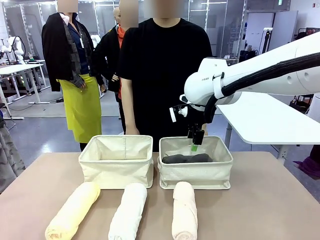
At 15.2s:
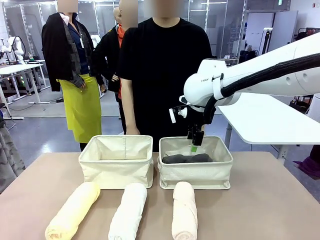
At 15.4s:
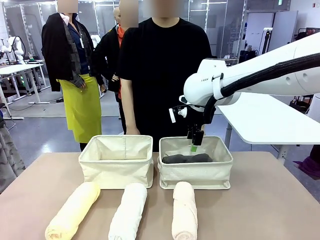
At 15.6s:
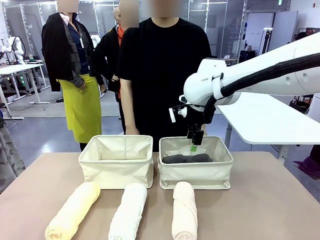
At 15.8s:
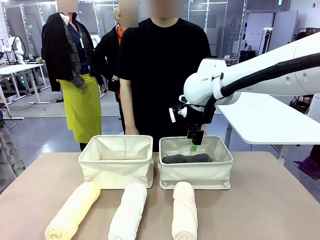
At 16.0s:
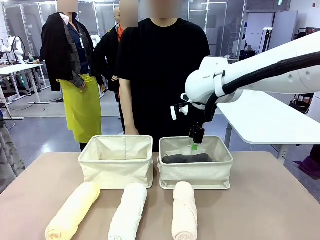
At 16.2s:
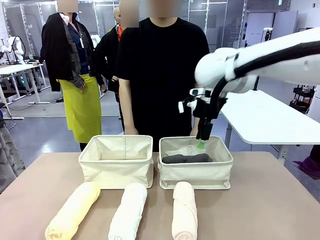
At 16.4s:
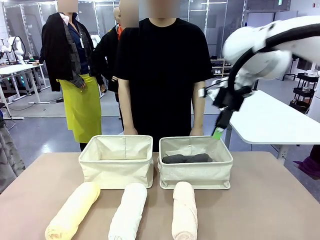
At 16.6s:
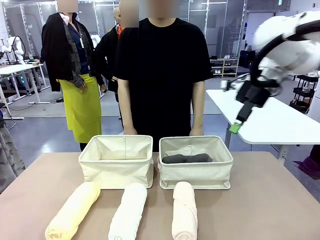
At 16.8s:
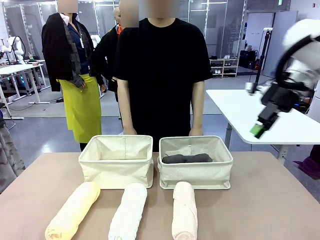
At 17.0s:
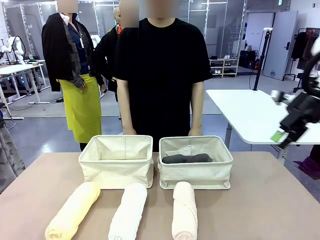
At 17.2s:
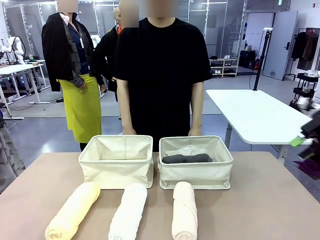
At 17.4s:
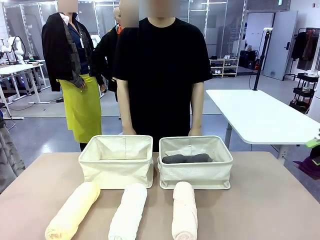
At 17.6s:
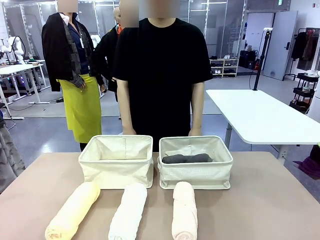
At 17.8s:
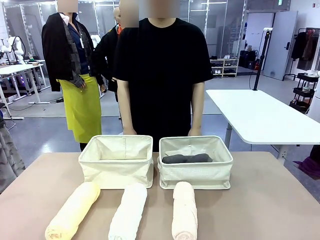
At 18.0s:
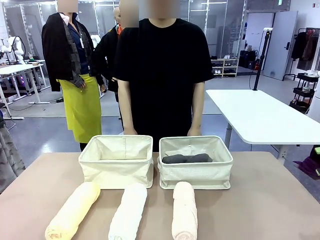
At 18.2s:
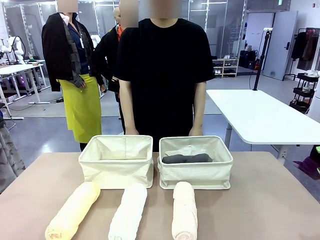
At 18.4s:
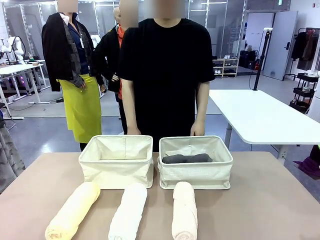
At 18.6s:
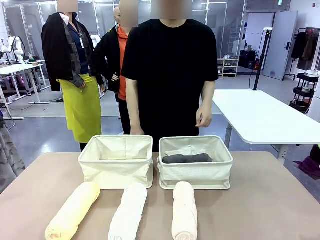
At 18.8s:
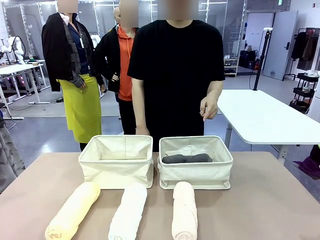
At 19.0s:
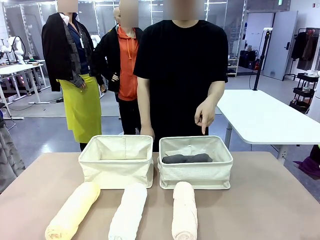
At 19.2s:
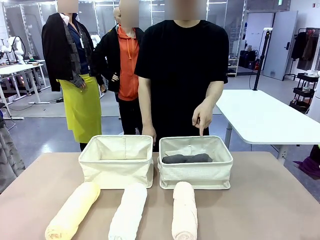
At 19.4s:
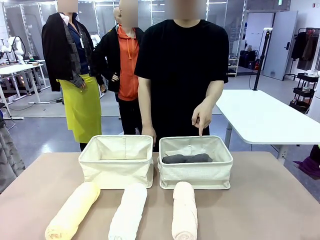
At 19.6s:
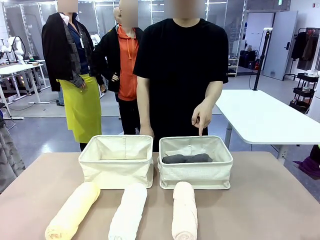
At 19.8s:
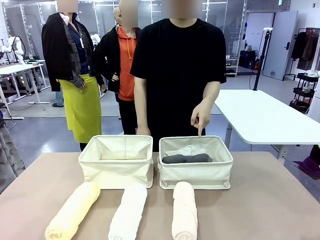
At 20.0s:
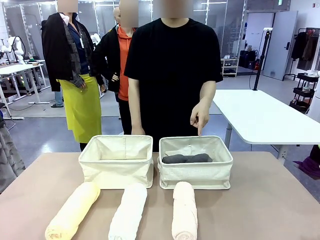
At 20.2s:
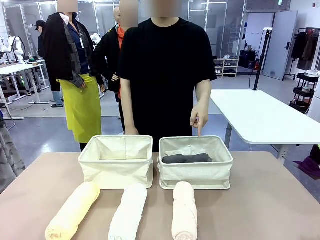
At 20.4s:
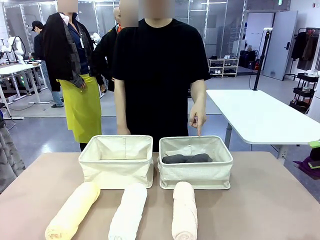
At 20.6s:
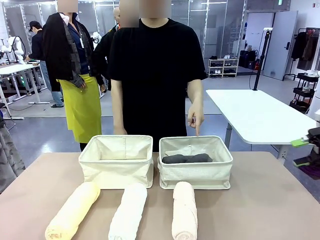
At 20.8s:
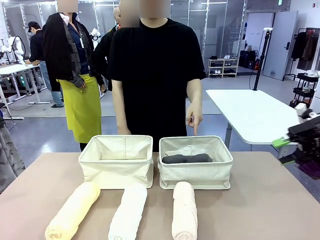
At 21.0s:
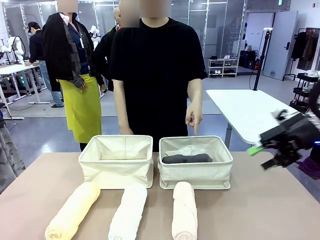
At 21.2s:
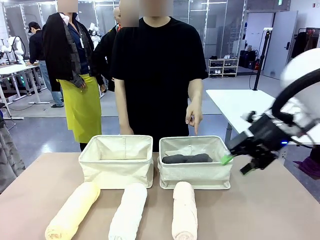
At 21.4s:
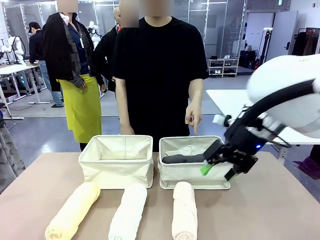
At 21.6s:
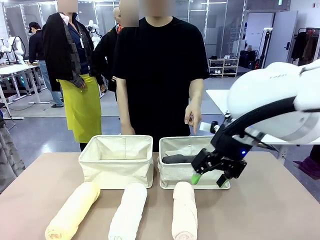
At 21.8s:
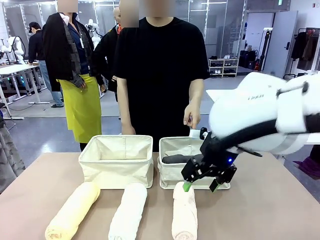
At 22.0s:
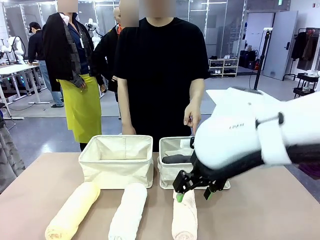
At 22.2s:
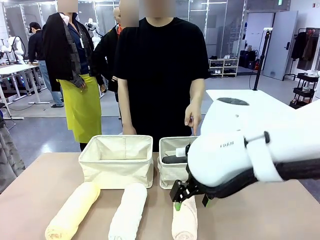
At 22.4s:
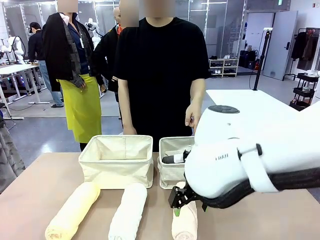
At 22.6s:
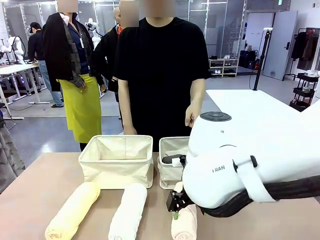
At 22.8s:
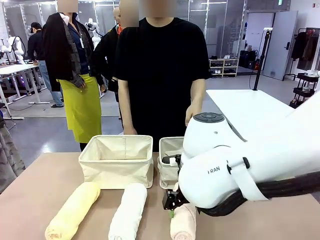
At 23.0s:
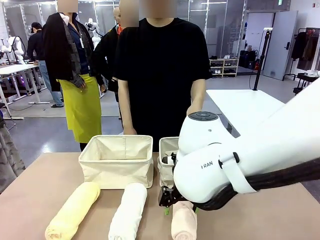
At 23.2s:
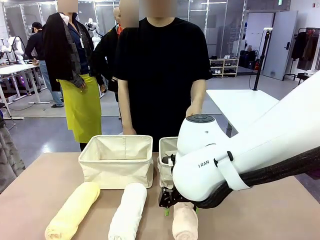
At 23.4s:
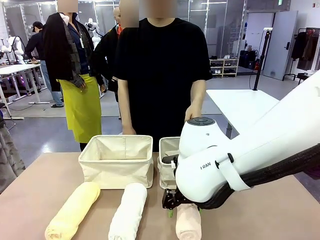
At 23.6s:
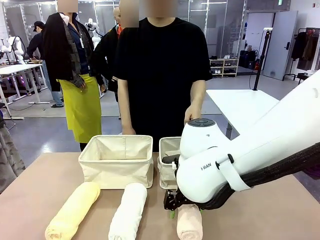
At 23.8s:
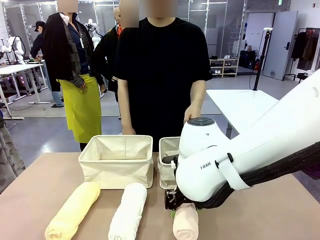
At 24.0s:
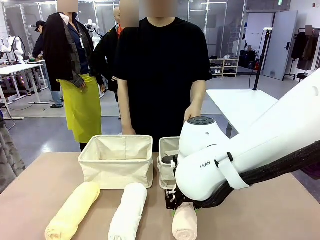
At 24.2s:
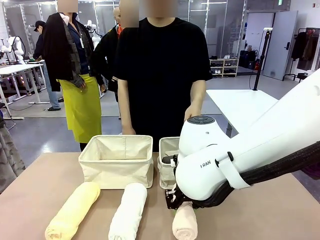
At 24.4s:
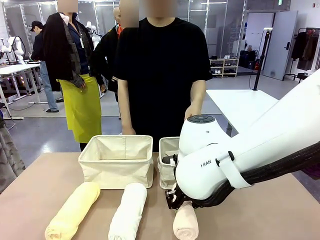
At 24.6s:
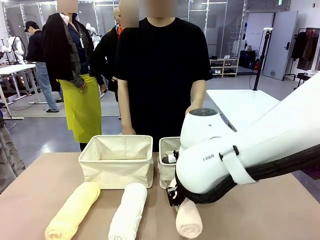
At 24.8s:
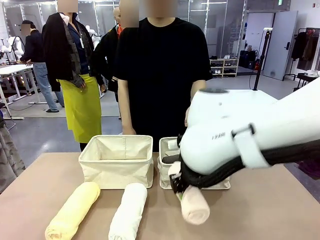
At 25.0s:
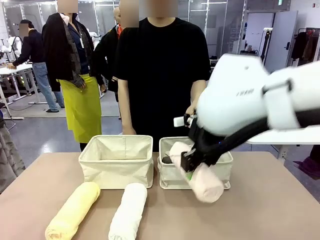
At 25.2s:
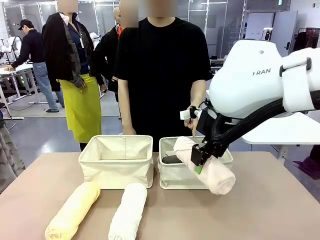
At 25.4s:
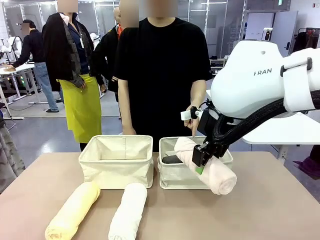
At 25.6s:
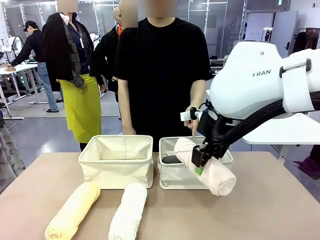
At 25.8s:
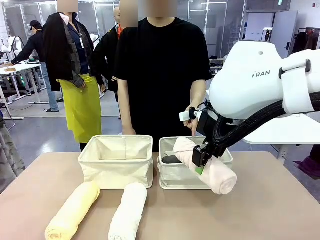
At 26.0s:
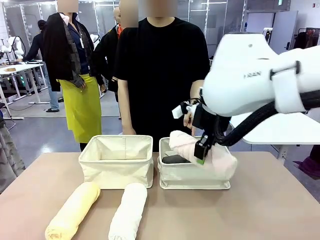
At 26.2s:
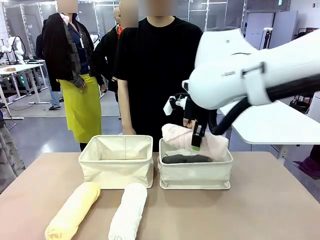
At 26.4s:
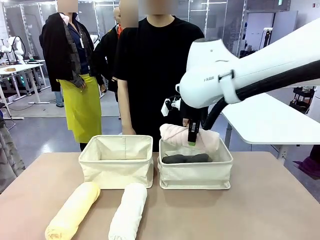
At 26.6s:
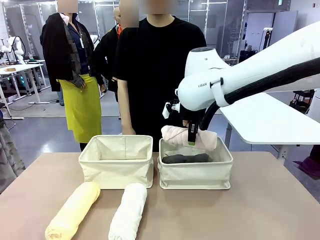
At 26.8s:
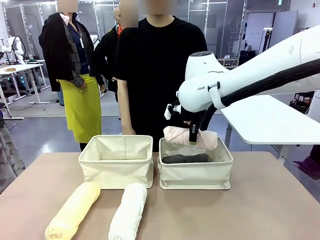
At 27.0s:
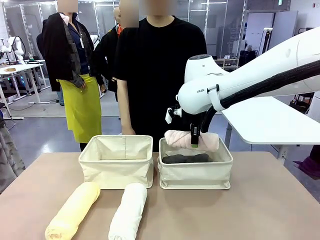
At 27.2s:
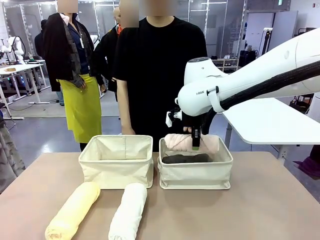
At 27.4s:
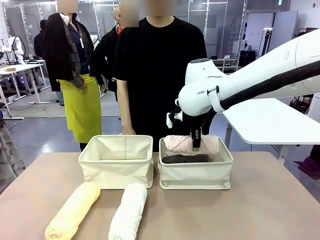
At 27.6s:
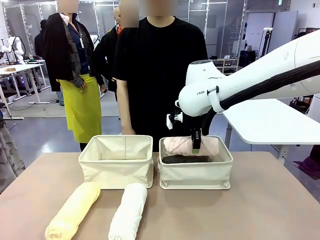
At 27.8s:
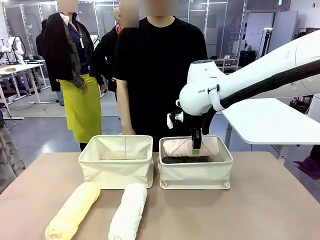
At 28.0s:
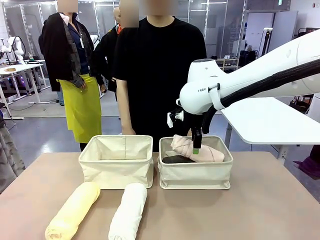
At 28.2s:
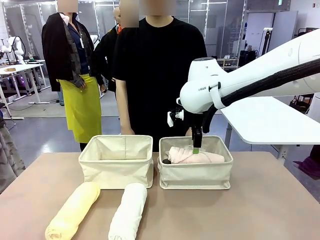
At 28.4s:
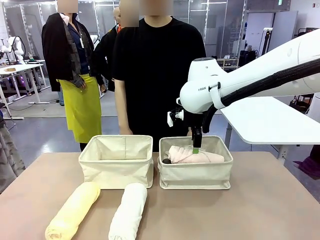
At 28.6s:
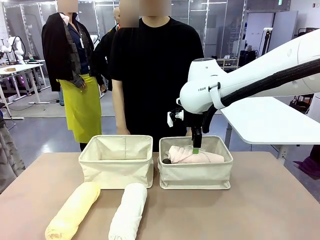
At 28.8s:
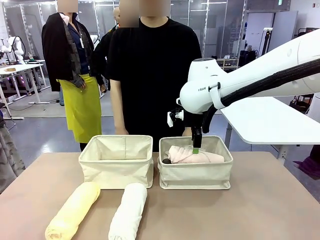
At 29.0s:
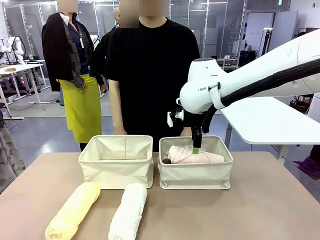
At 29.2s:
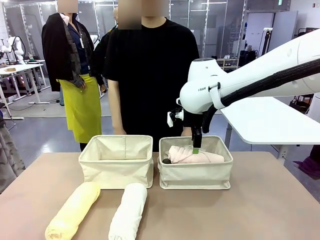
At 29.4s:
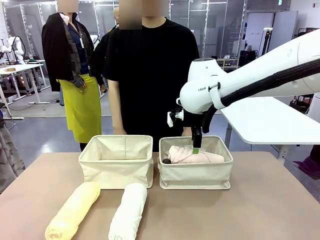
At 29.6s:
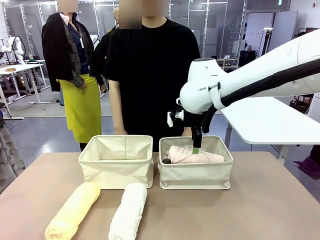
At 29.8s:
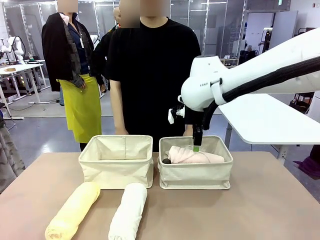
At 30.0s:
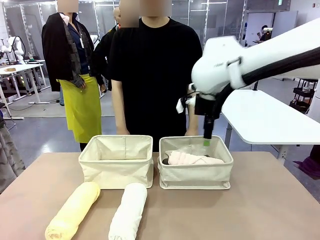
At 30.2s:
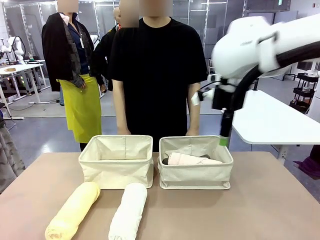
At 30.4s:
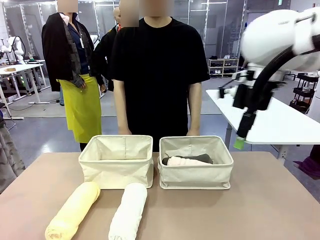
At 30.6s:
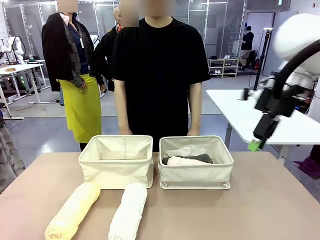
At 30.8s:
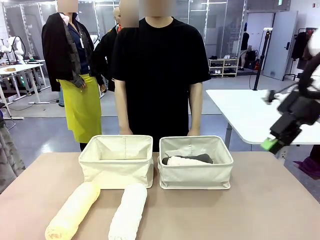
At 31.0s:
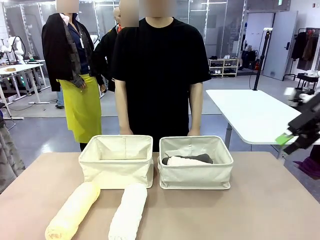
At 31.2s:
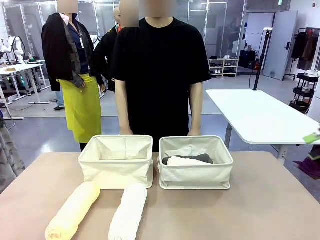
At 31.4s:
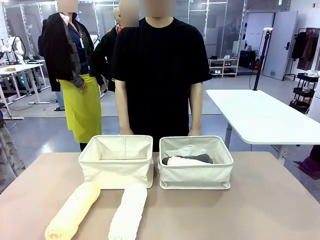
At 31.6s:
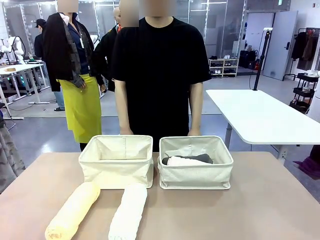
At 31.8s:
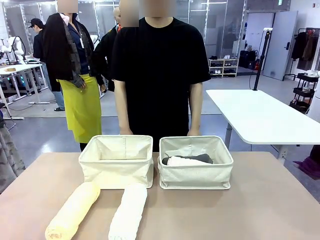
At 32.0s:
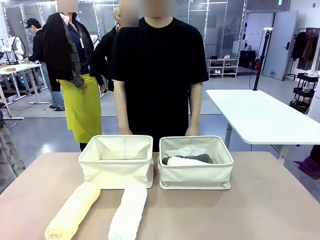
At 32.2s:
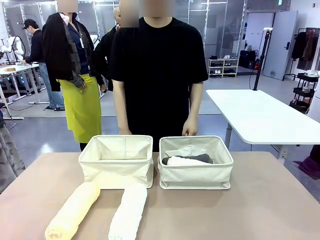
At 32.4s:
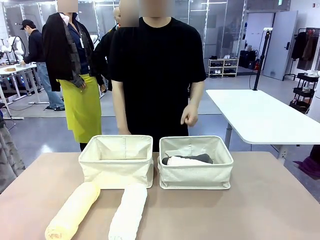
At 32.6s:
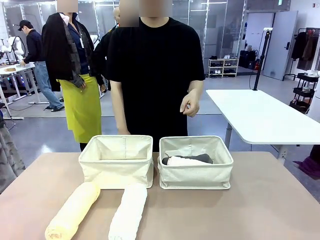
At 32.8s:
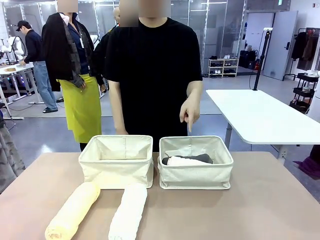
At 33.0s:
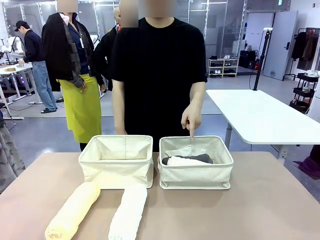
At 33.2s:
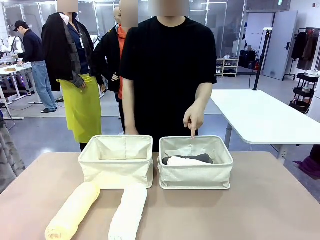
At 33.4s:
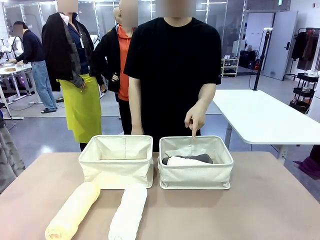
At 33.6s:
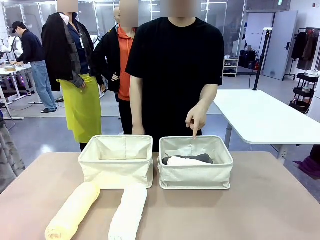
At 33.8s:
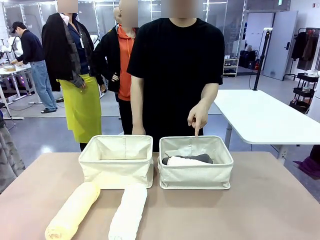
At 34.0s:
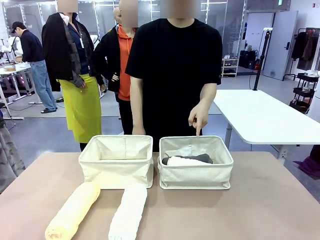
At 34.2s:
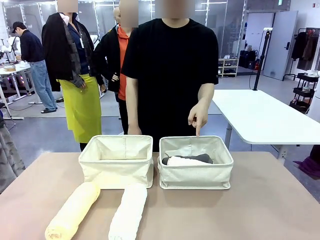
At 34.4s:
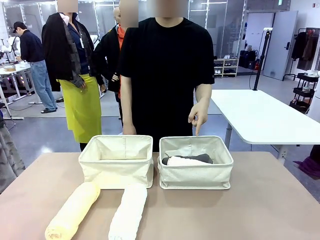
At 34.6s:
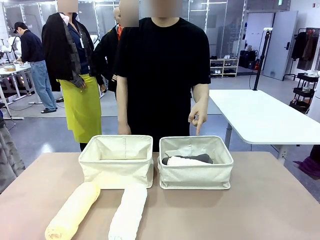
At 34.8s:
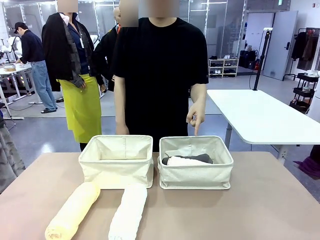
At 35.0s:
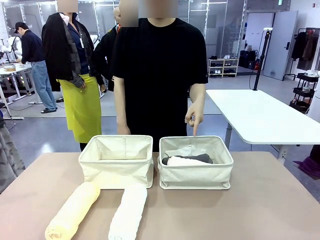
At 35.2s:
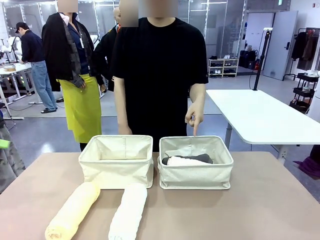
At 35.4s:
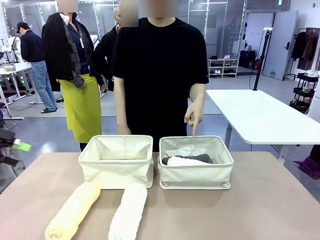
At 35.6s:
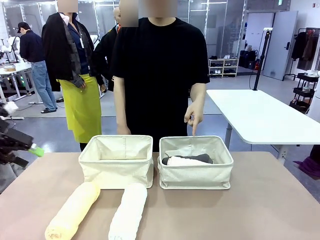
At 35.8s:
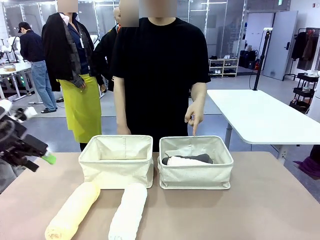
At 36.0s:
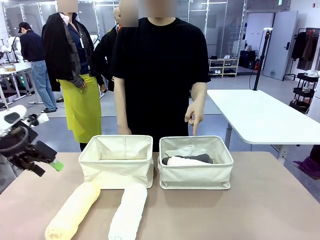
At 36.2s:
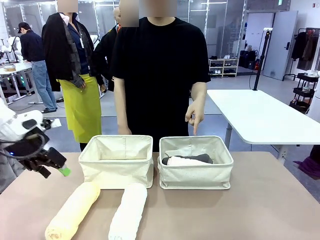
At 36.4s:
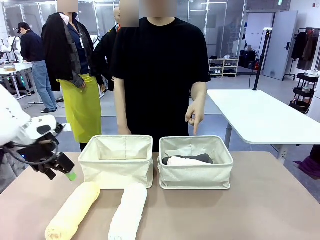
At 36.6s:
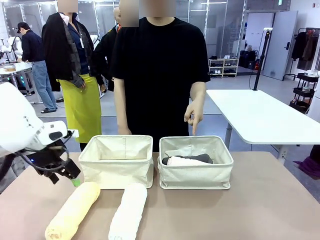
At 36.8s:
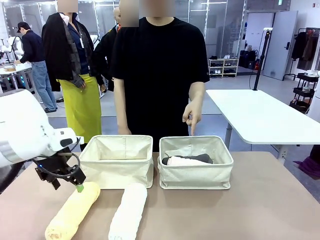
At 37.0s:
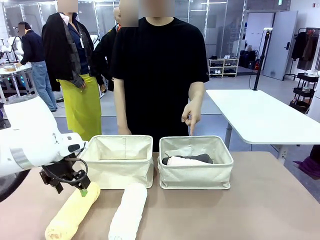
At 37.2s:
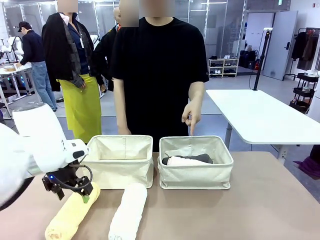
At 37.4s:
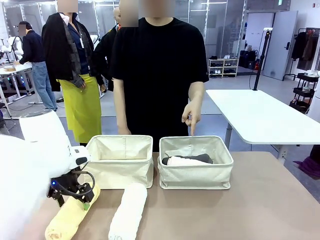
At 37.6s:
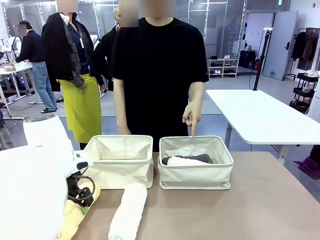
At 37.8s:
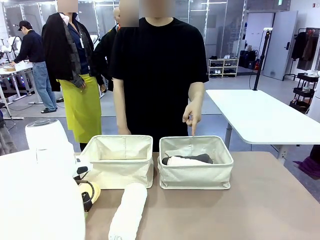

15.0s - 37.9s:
Task: Divide the towels into two baskets.
Robot: Pick up one hotel-folded towel from the bottom of the table and place it in the Fabric basket indicated by the person.
